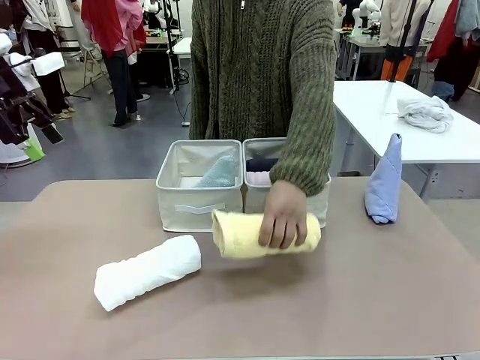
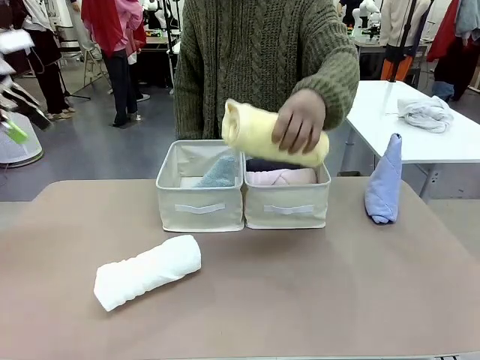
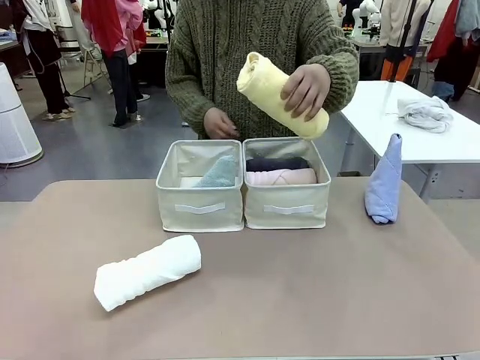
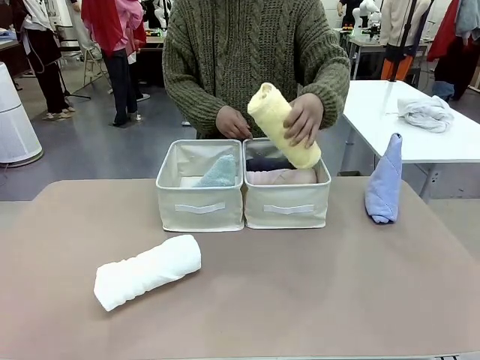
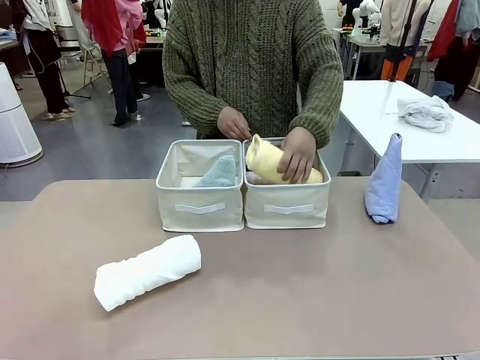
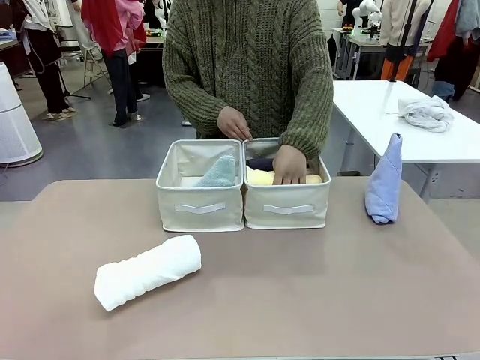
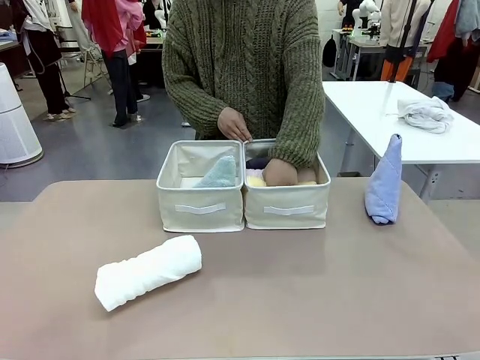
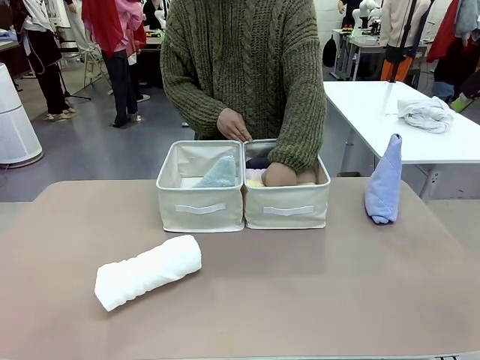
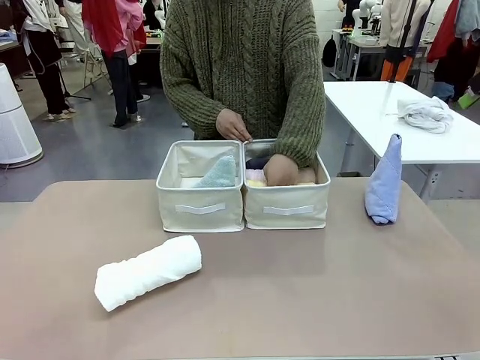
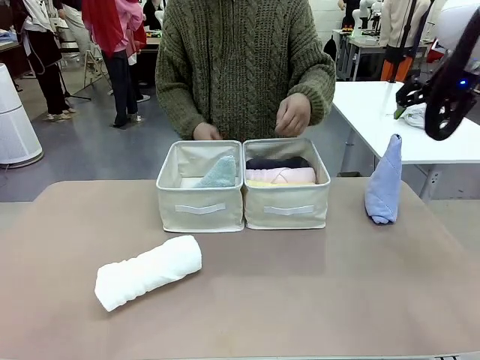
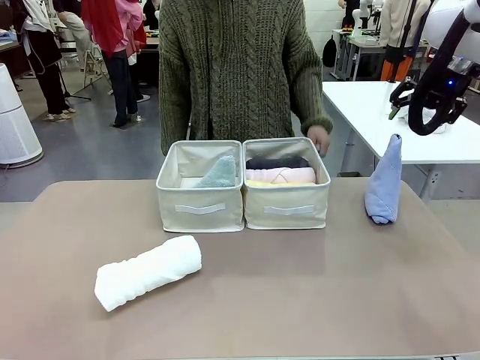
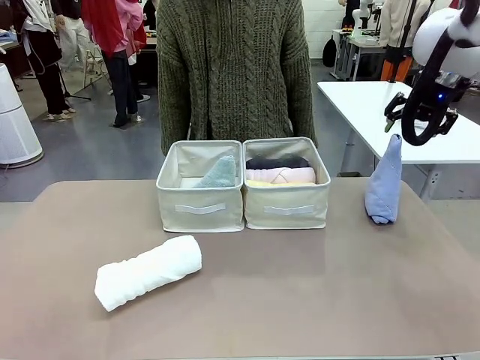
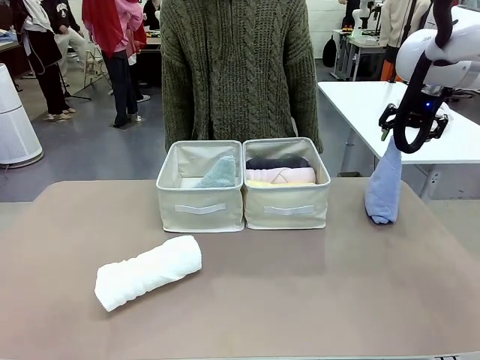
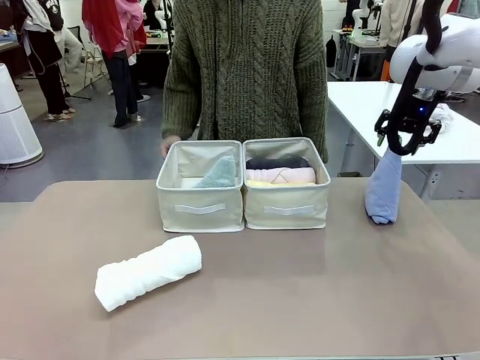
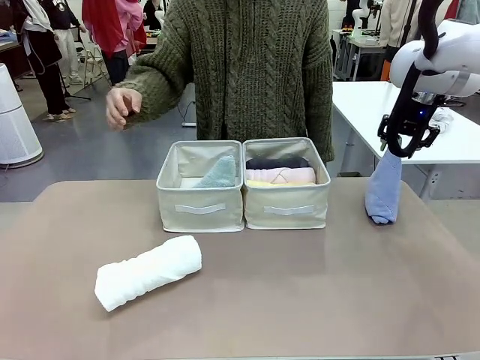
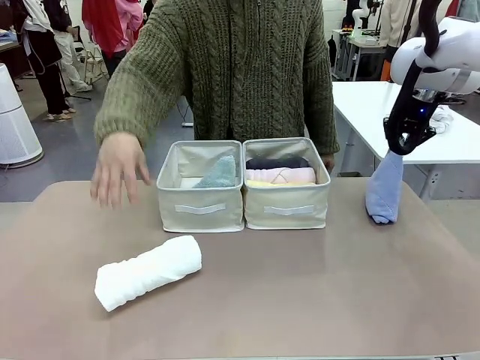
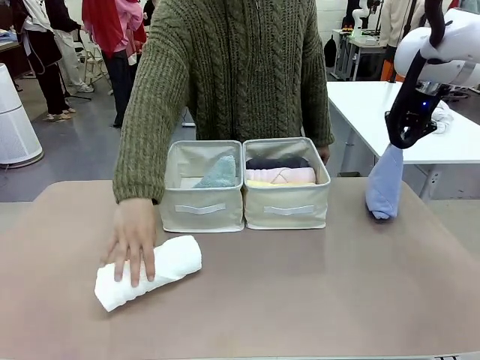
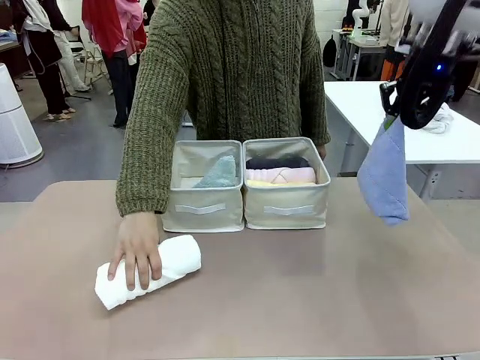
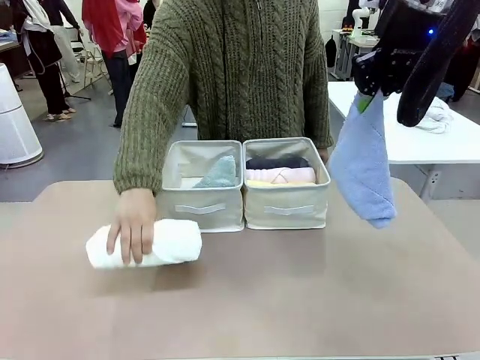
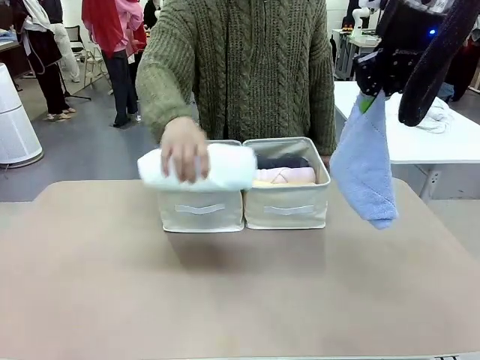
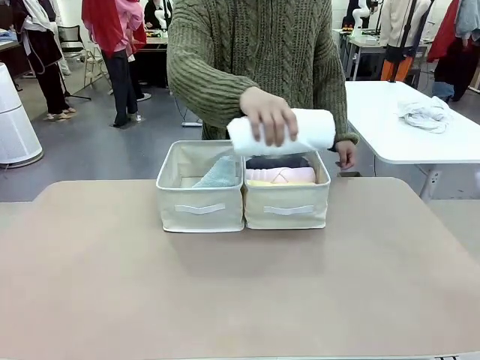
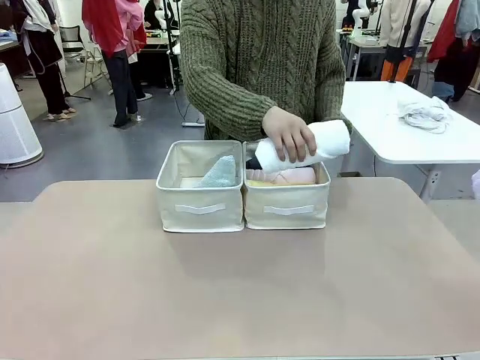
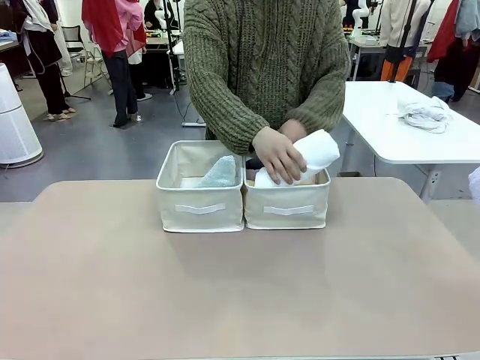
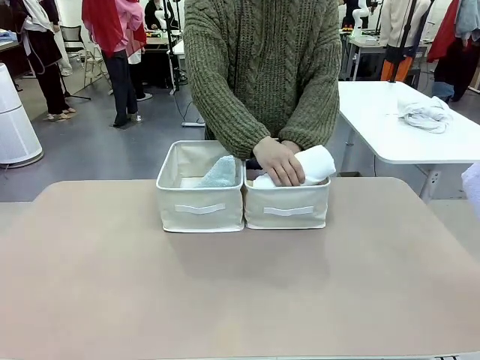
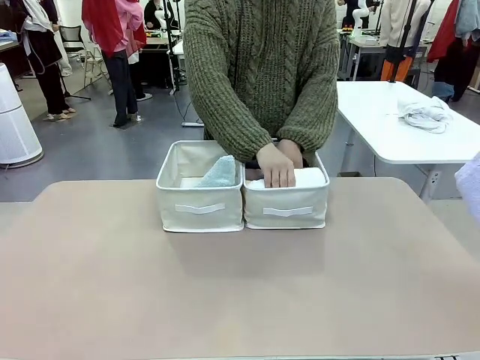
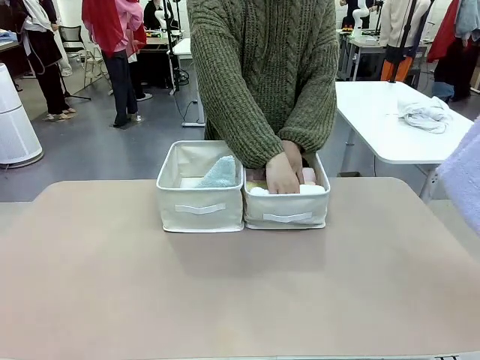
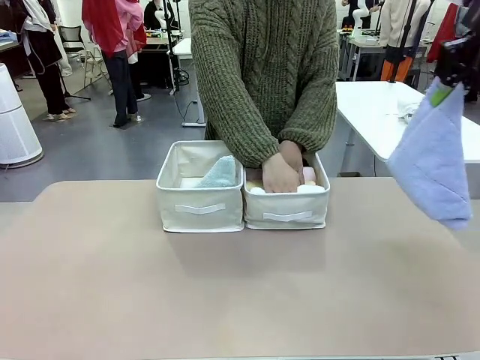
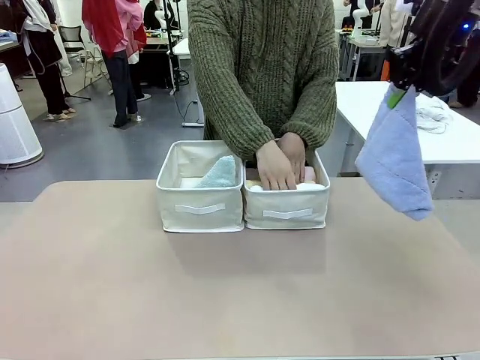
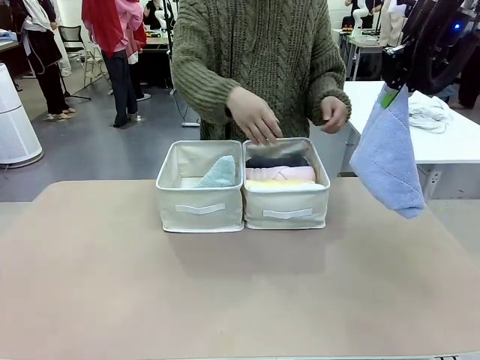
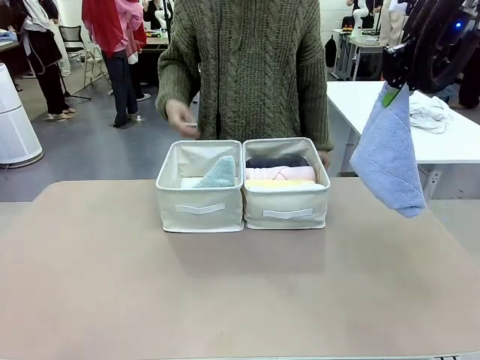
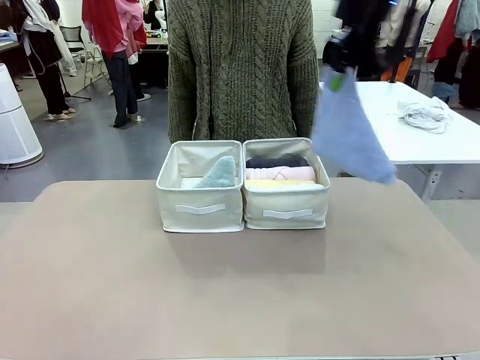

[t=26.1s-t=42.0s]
Task: Sort the towels based on their folding style.
Robot: Pick up another triangle-folded towel from the table and place it in the left Fabric basket.

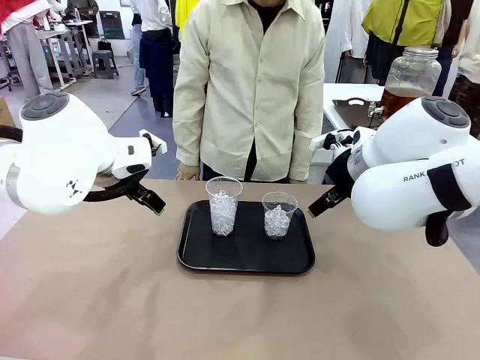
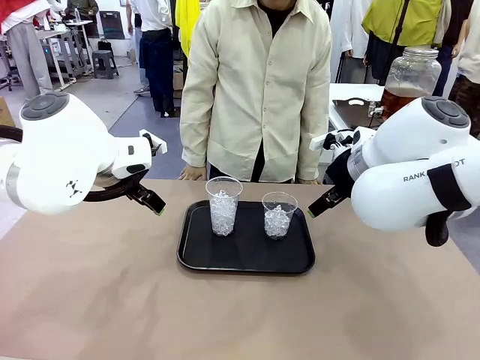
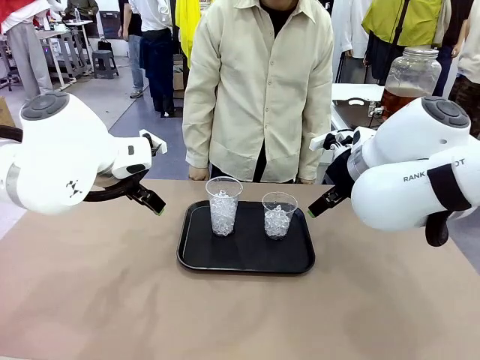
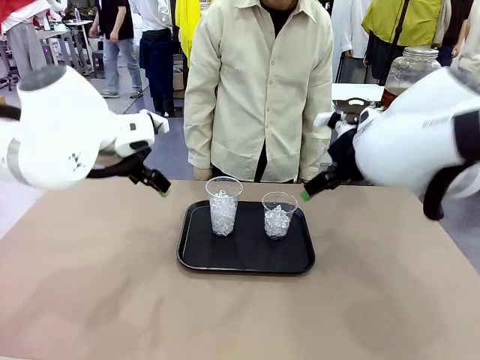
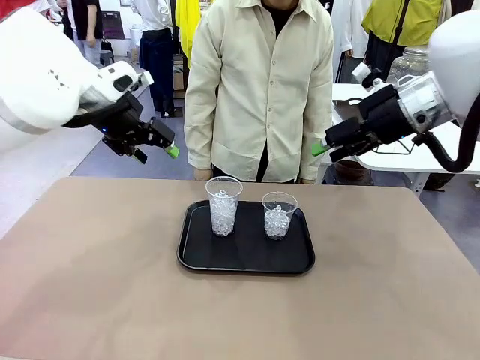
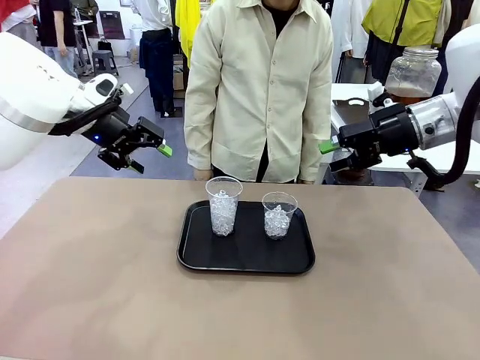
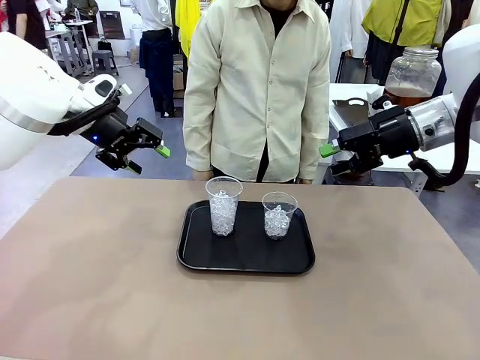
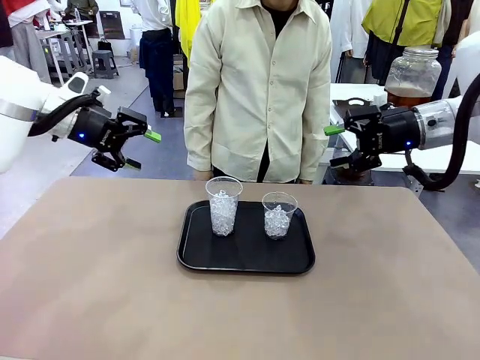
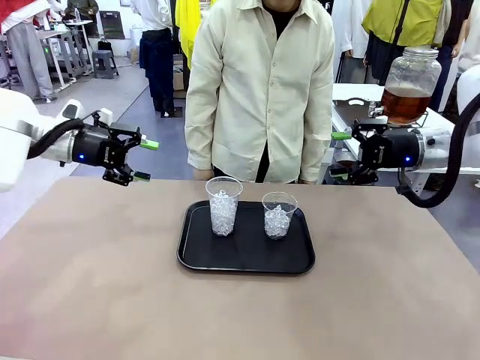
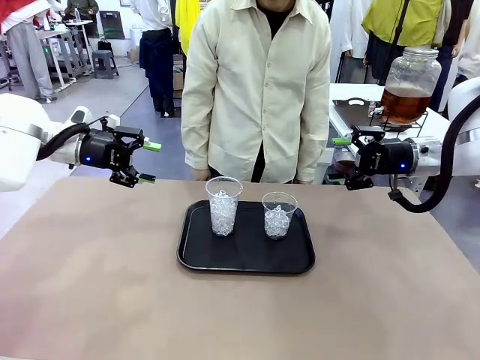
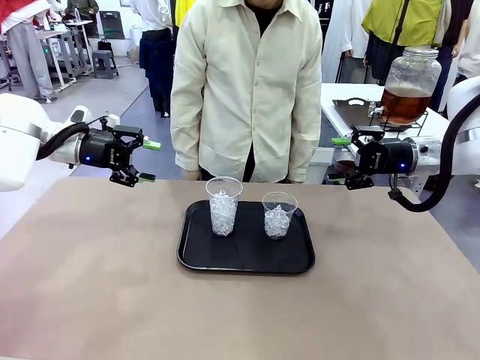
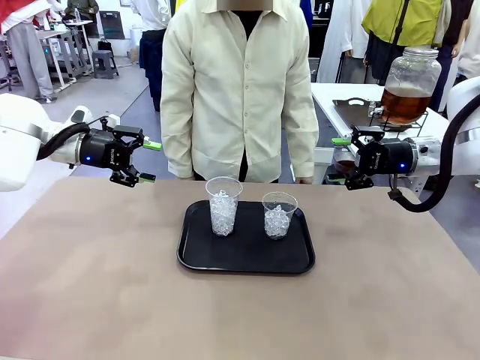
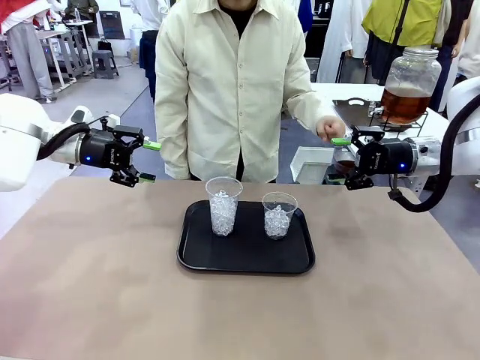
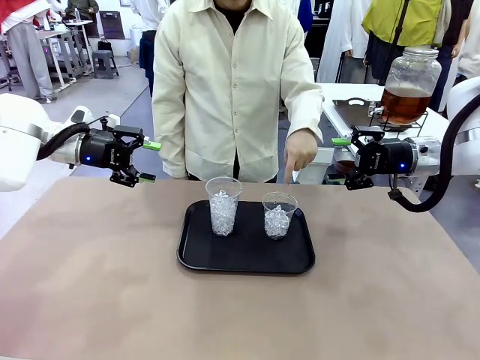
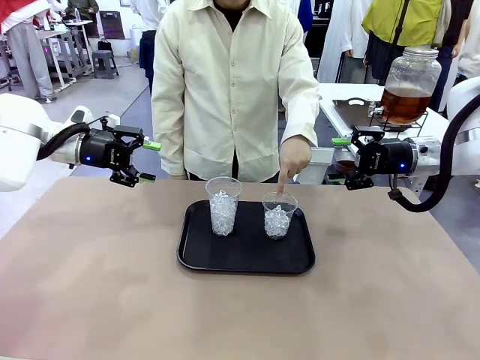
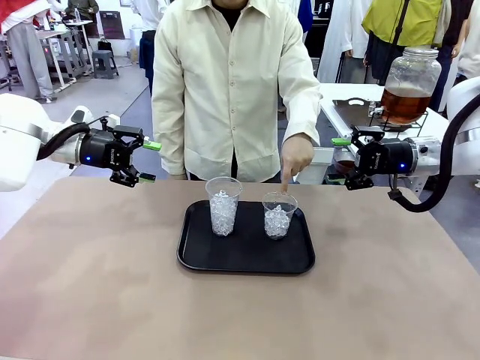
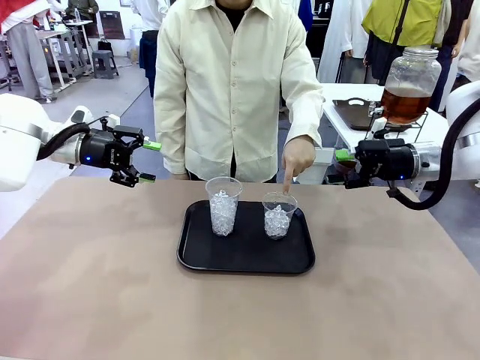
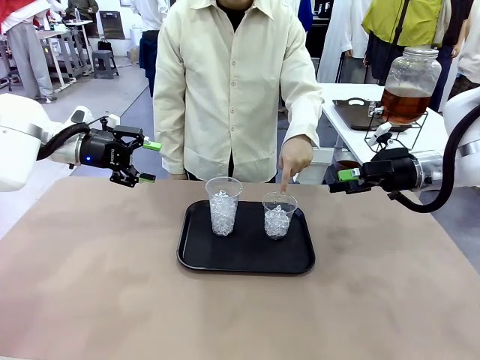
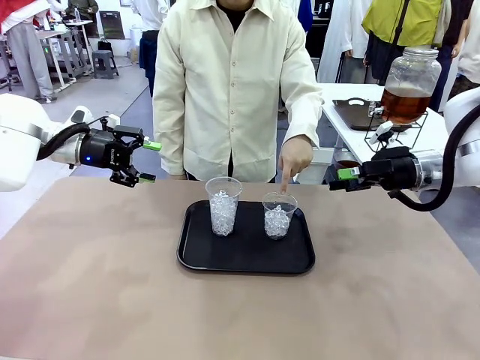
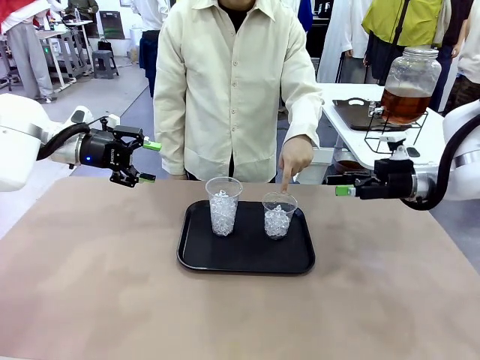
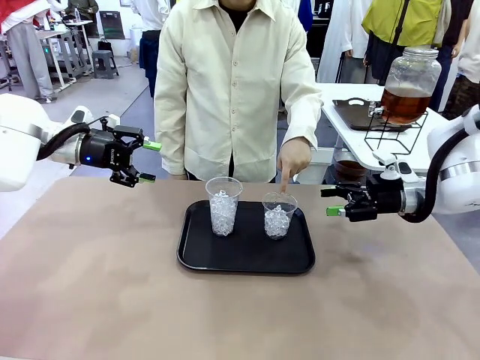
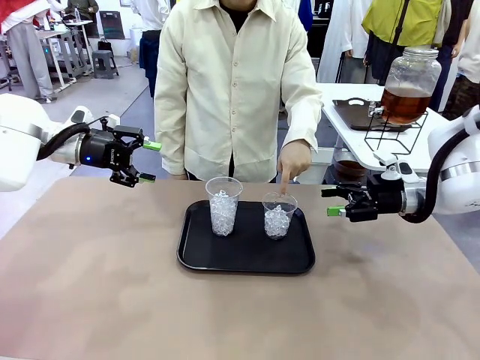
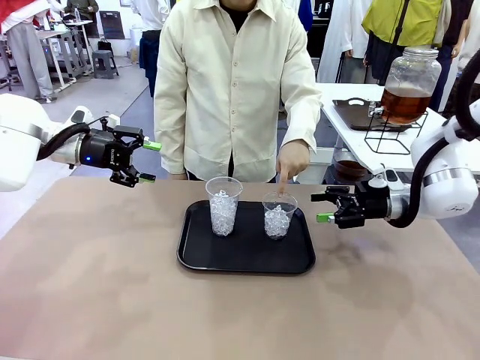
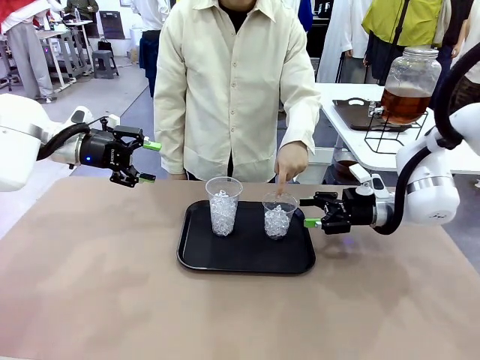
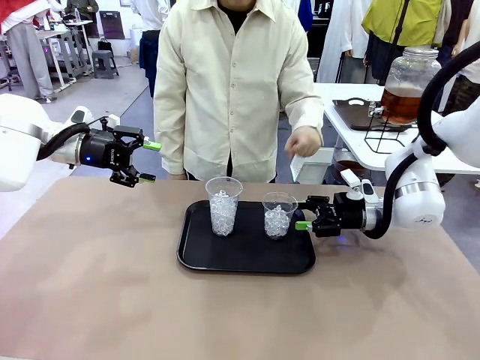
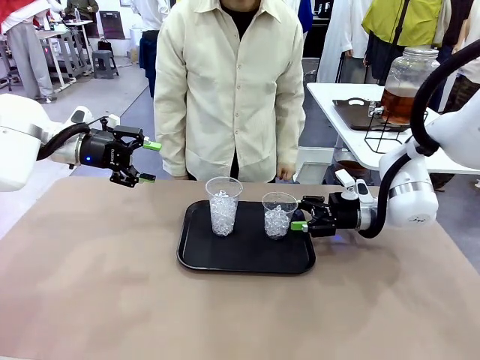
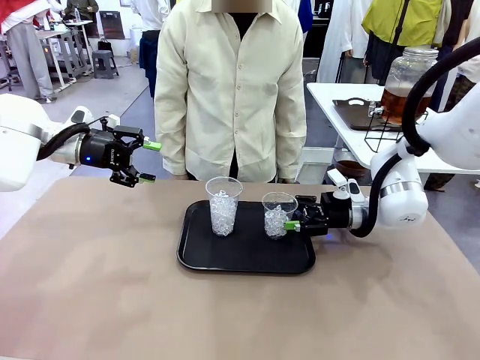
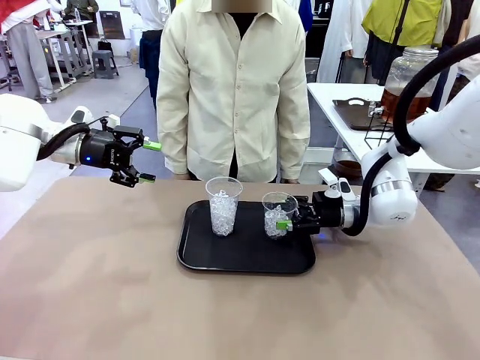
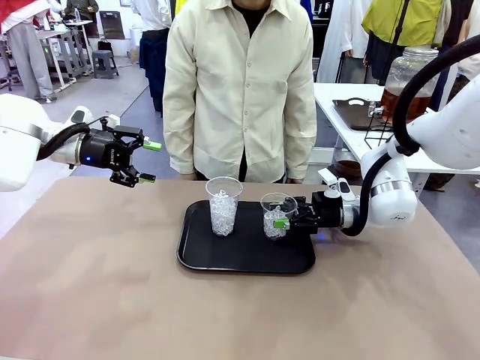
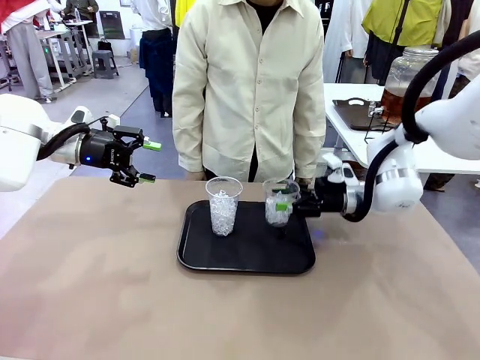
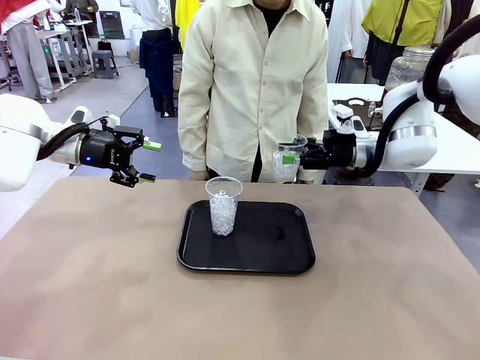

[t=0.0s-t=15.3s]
Task: Pour the drink into the iced cup.
Robot: Pick up the iced cup indicated by the human and present it to them.
Person: Point to one of the two ice cups. Pick up the cup offered by the robot.
